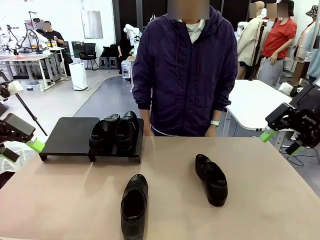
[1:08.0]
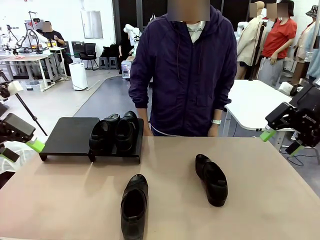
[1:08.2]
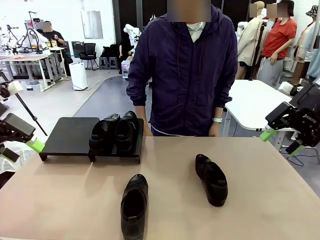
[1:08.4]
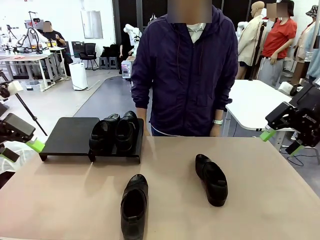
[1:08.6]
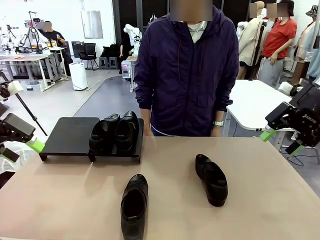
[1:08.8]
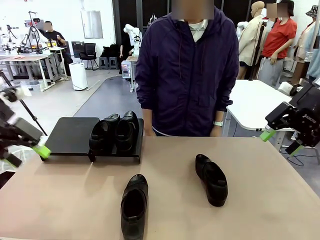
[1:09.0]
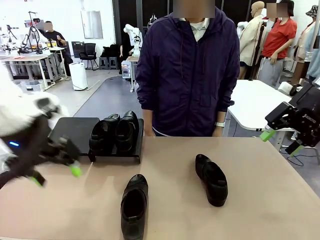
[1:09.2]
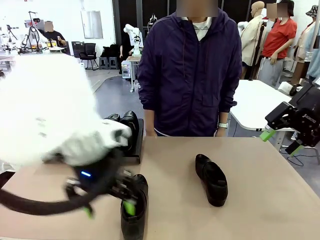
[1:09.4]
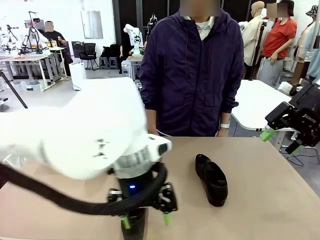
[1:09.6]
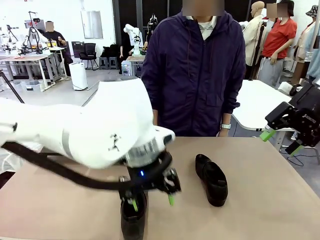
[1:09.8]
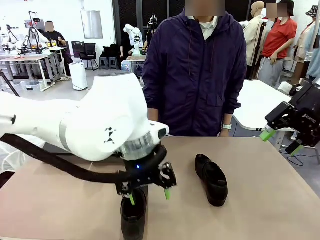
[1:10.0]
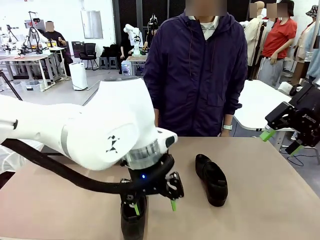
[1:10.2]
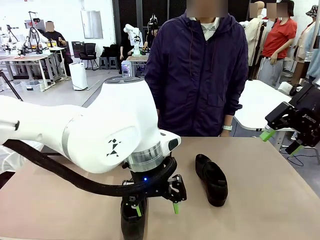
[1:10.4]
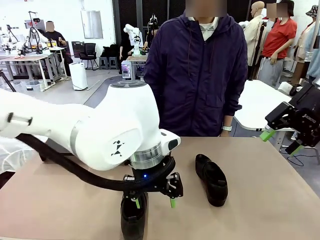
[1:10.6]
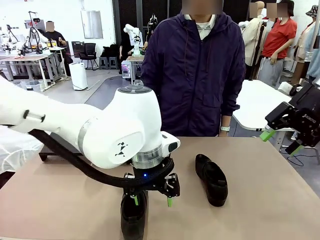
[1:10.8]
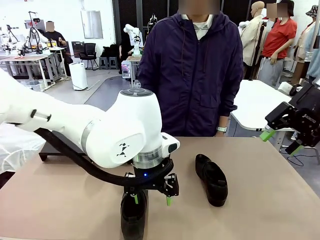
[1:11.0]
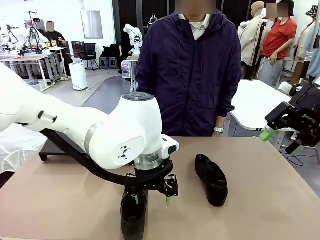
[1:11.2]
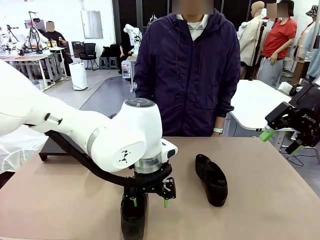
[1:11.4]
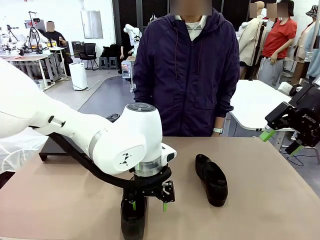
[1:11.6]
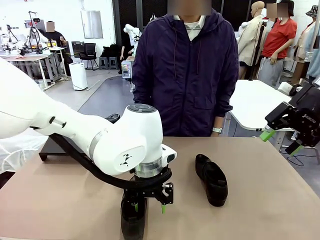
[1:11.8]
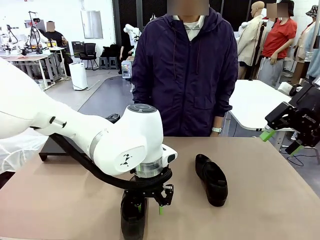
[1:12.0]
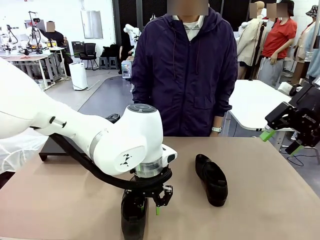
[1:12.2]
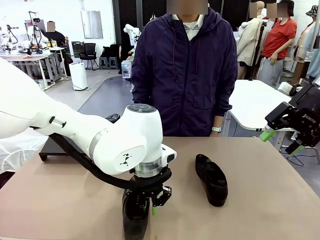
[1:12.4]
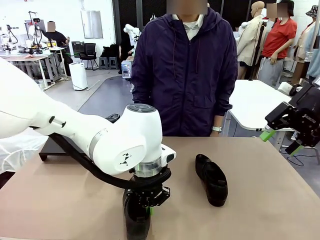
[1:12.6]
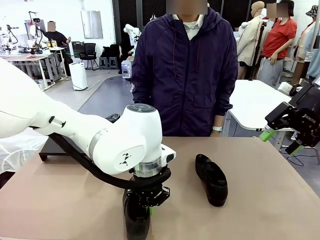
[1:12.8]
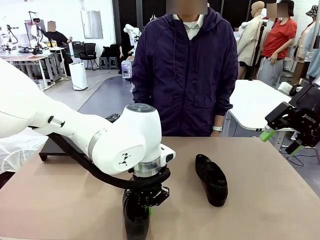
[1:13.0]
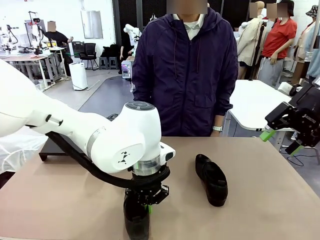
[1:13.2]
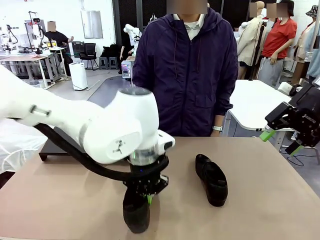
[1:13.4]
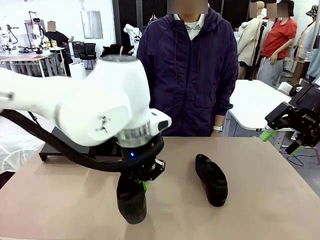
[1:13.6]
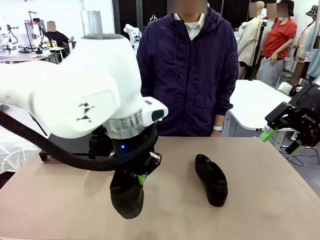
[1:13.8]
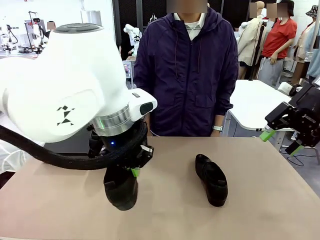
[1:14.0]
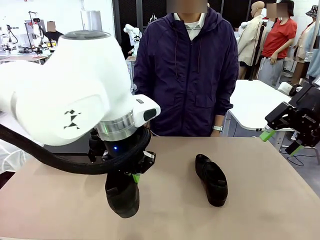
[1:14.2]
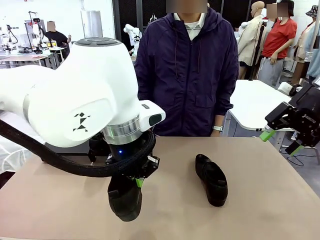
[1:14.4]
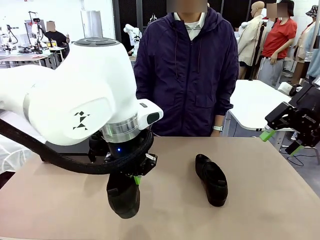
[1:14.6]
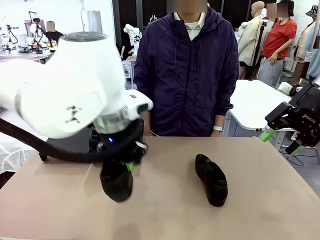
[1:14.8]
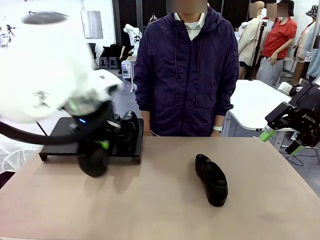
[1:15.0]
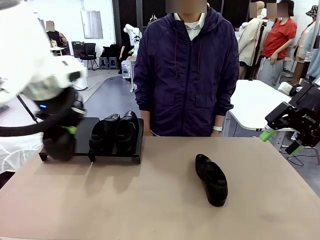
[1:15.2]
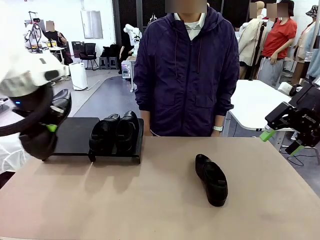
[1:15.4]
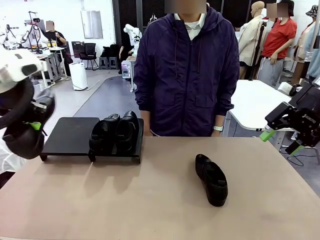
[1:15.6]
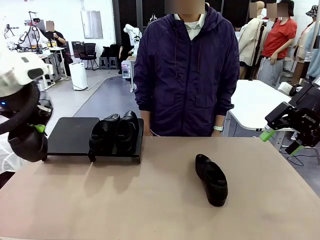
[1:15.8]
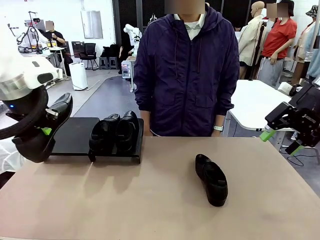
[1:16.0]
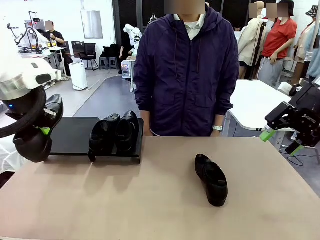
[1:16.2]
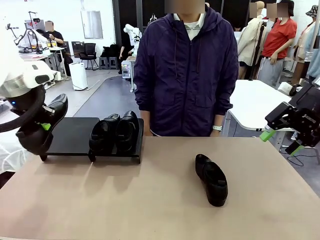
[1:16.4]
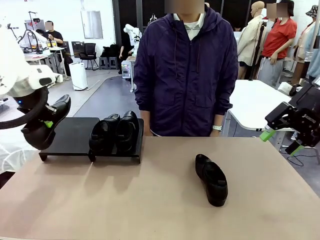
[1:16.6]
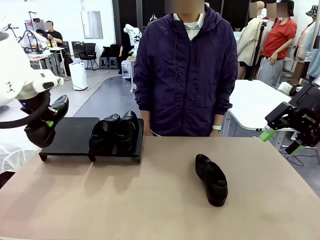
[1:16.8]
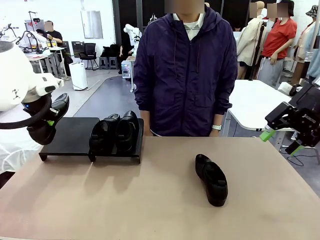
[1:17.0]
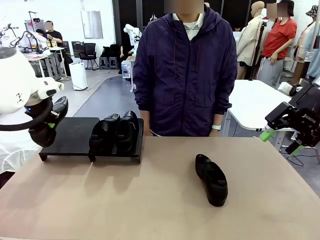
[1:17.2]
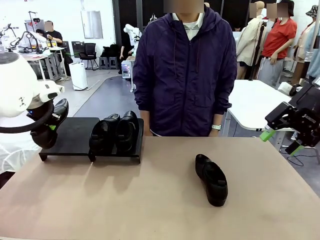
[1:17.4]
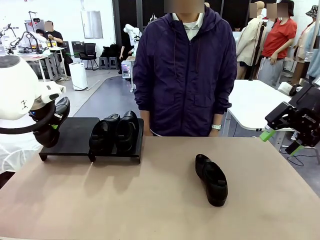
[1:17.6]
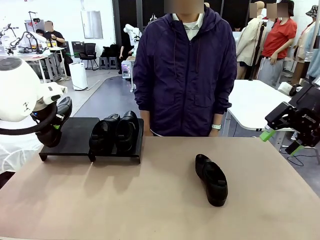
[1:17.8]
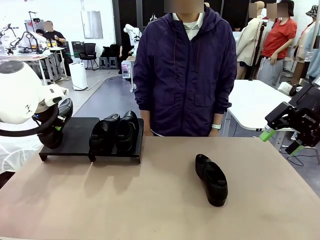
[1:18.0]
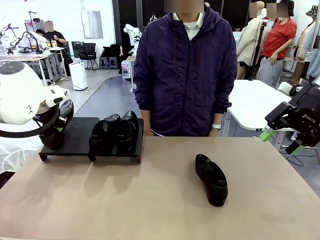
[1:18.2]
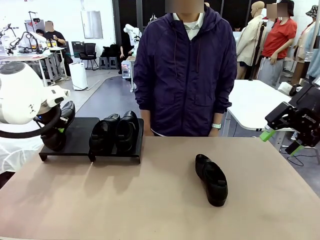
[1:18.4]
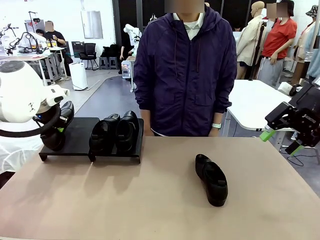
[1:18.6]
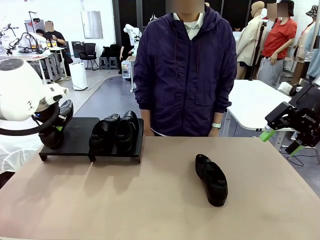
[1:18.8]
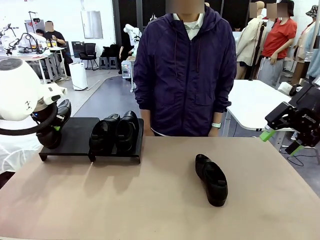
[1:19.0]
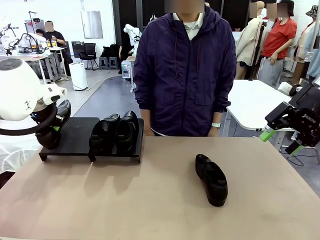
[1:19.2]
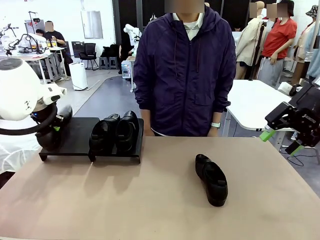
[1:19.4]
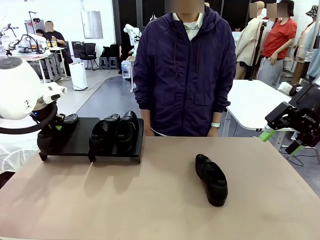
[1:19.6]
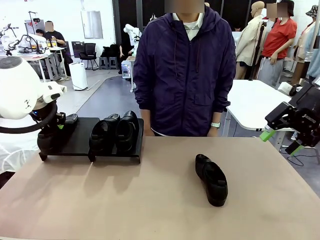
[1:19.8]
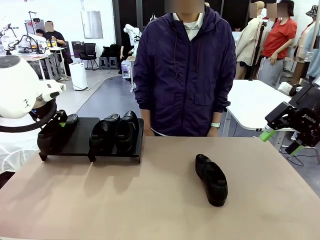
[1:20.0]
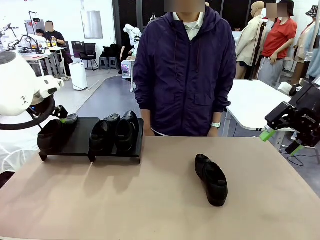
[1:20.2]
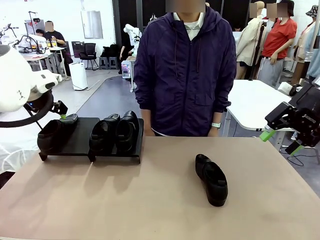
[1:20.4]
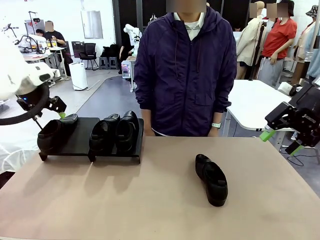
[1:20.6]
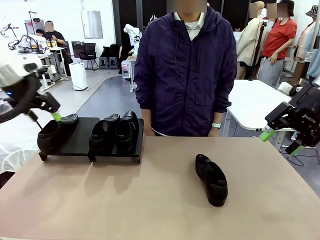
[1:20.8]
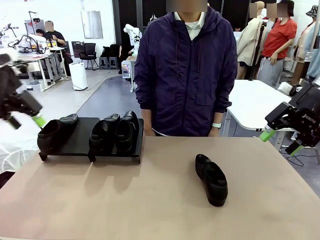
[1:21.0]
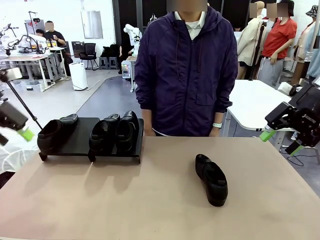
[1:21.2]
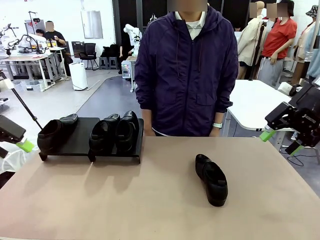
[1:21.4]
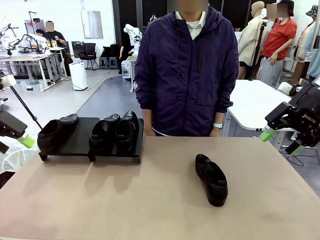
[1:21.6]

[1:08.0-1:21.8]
Task: Organize the shoes by placing them on the stand.
Robot: Place the Shoe from the middle of the table onto the Shoes Stand.

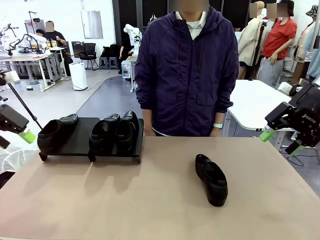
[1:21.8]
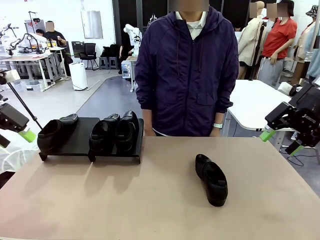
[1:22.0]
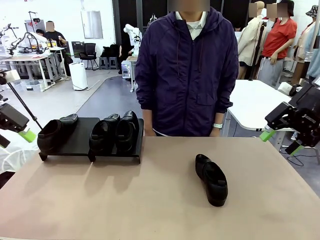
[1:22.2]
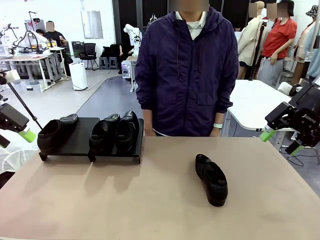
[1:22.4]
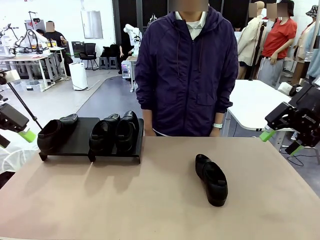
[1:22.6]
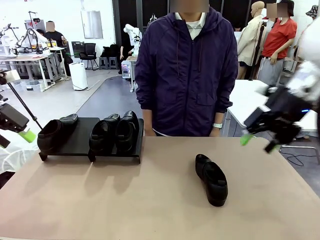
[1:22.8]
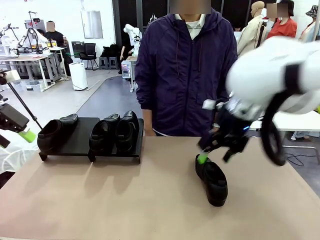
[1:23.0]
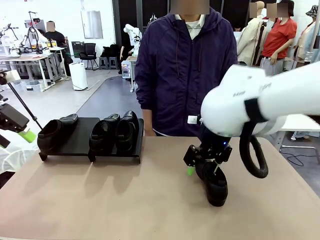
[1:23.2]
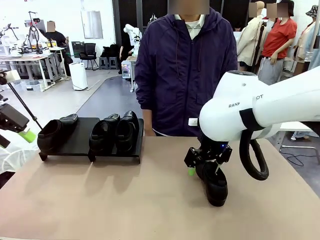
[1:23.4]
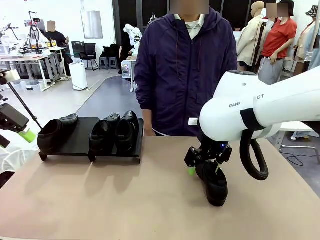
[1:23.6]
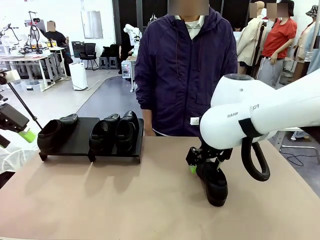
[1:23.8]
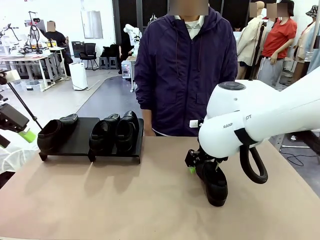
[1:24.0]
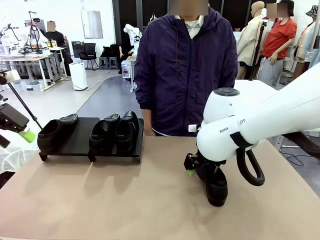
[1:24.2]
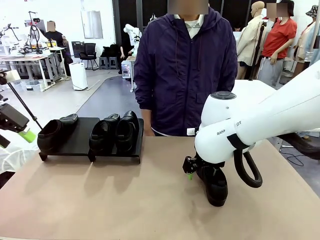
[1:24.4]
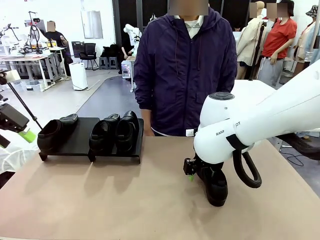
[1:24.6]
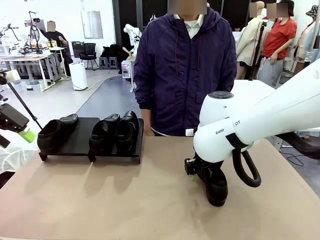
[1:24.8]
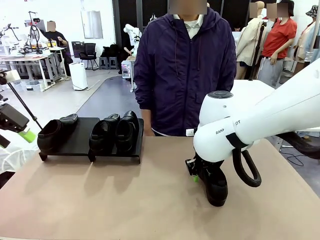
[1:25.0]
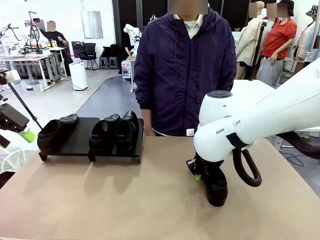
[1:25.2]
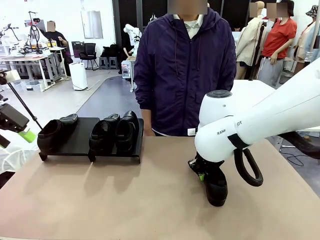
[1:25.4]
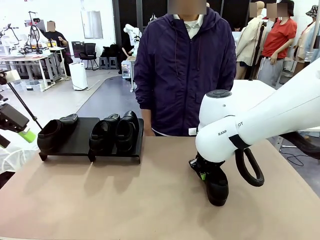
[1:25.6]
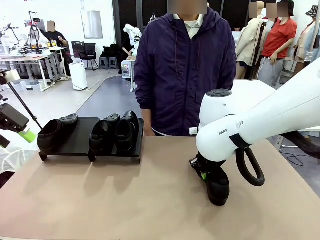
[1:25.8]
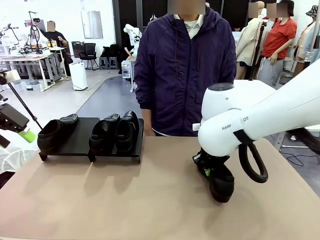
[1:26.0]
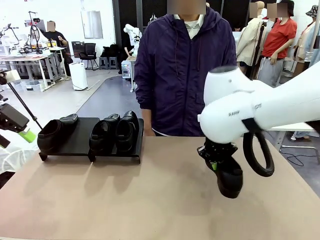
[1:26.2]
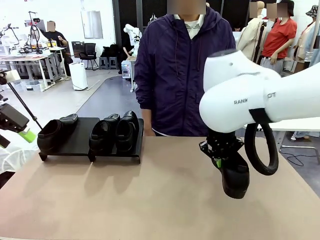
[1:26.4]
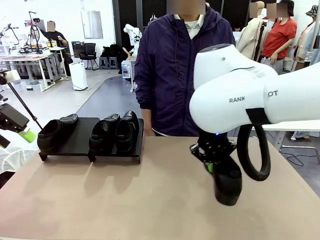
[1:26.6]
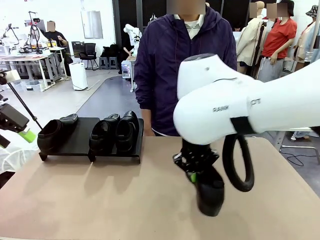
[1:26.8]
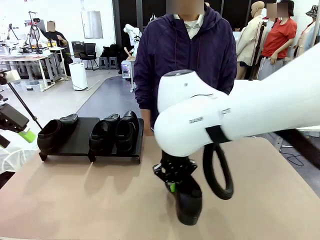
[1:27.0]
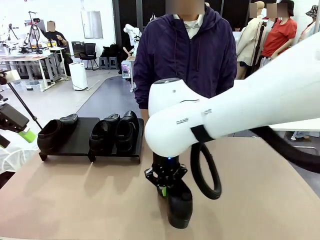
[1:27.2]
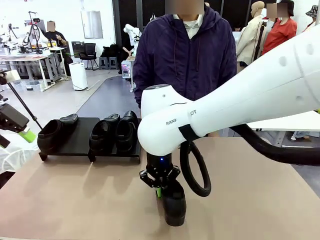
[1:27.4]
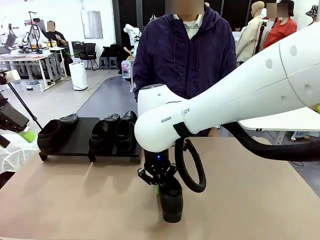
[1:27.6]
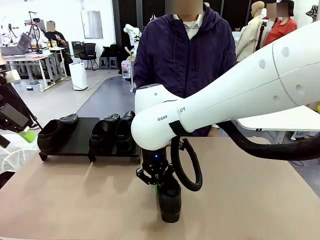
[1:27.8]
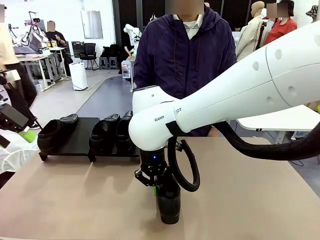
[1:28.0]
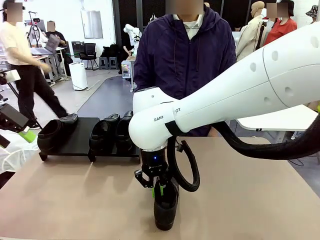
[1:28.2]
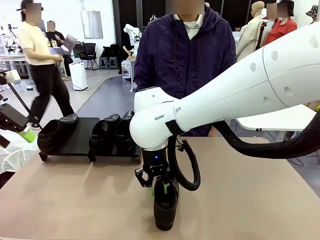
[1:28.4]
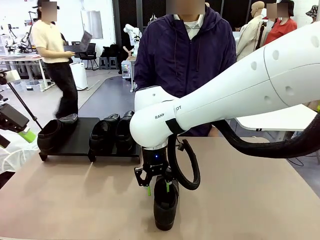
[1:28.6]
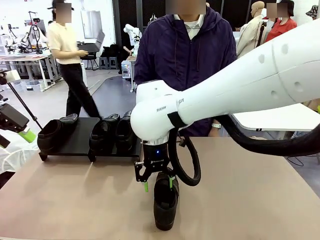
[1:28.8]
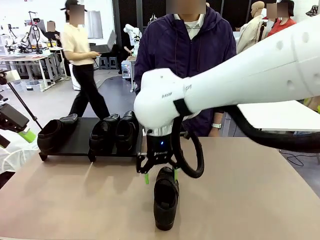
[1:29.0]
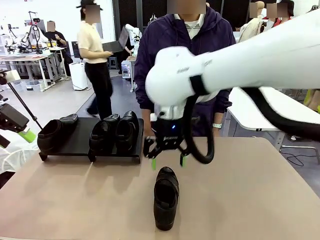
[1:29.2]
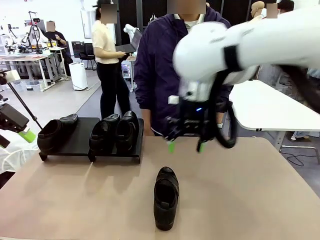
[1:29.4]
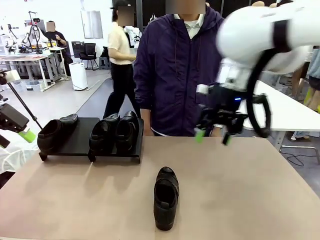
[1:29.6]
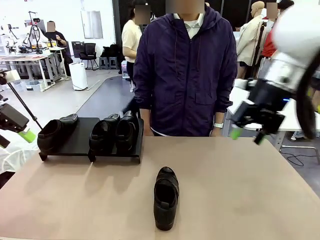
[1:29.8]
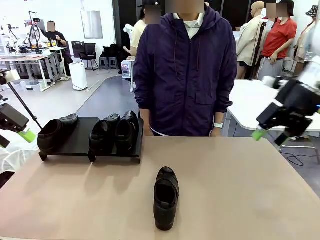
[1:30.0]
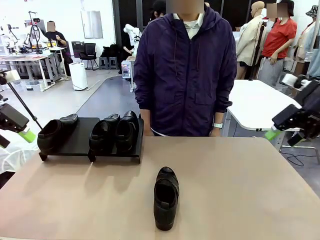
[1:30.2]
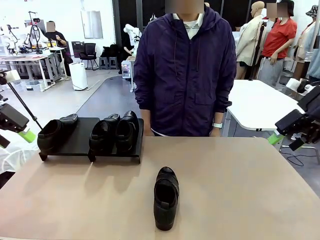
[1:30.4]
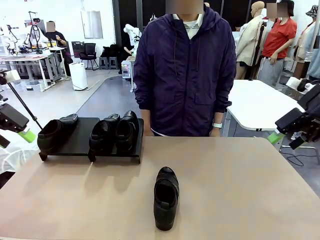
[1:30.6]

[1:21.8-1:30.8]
Robot: Pick up one Shoe and place it in the middle of the table.
